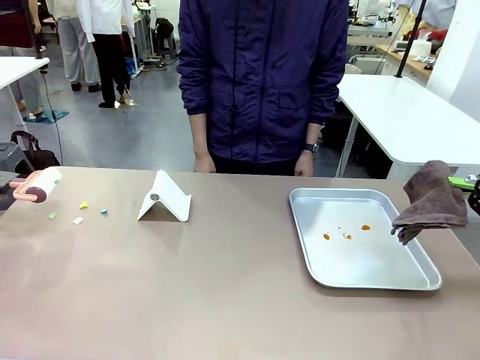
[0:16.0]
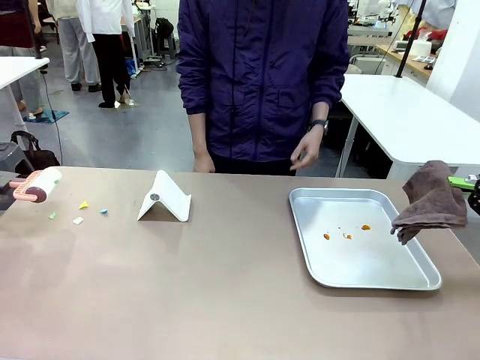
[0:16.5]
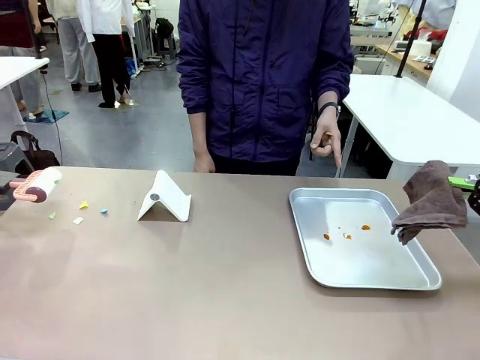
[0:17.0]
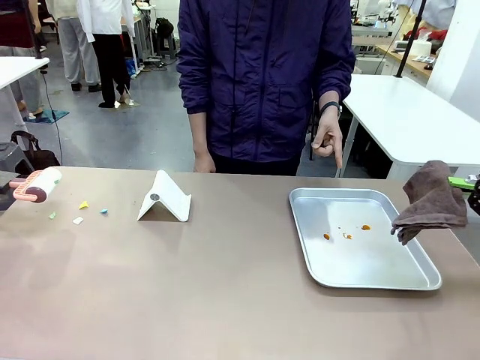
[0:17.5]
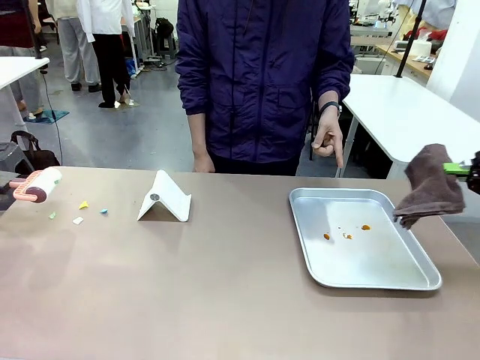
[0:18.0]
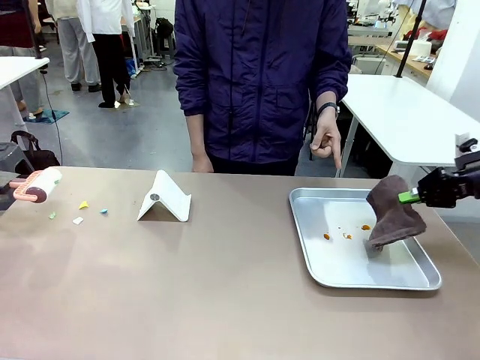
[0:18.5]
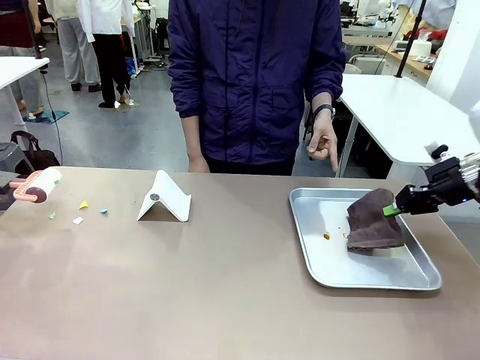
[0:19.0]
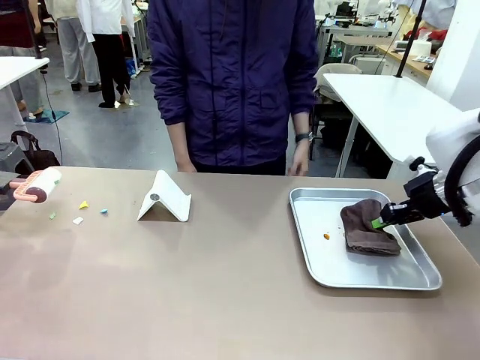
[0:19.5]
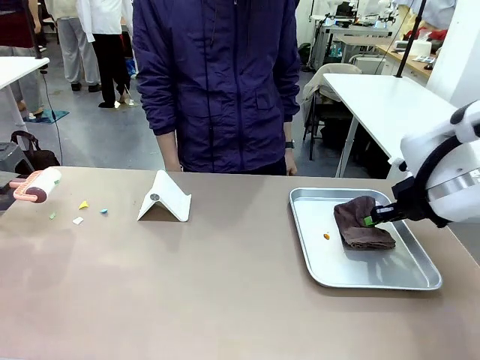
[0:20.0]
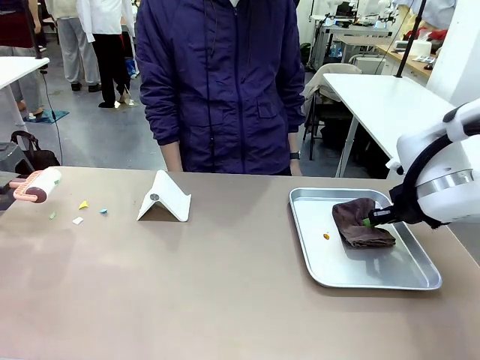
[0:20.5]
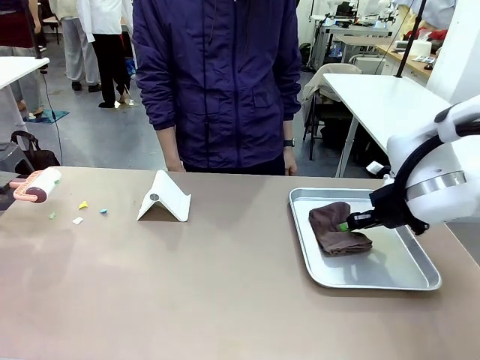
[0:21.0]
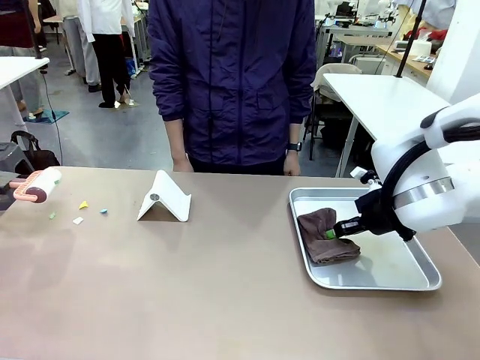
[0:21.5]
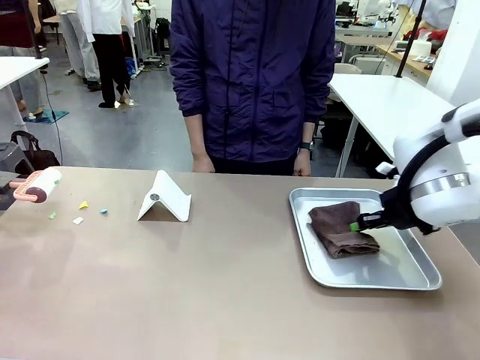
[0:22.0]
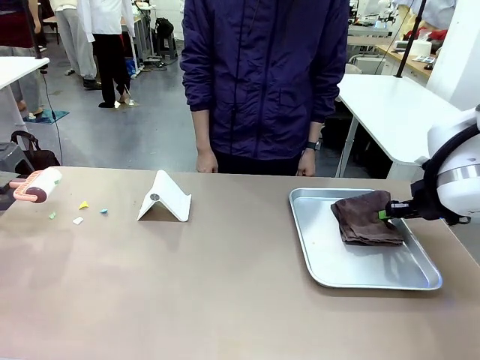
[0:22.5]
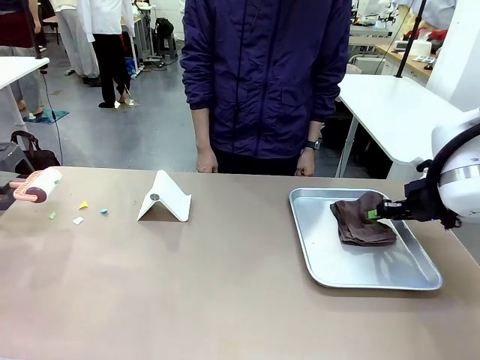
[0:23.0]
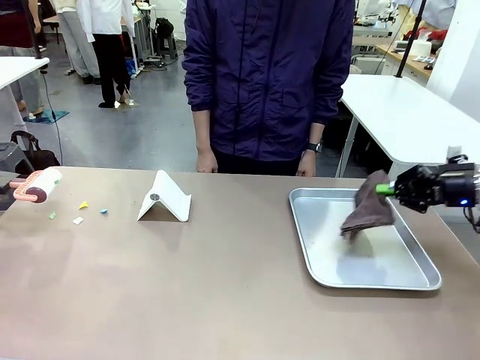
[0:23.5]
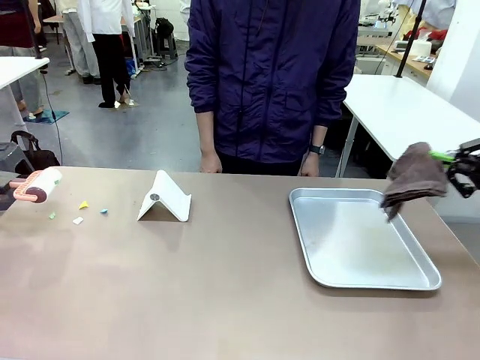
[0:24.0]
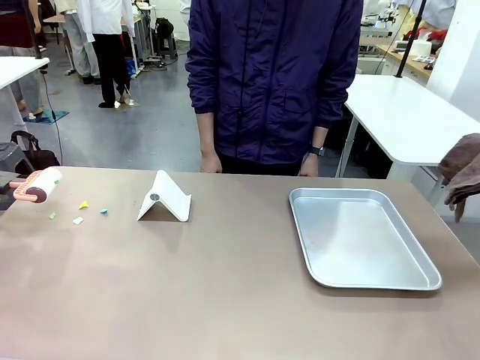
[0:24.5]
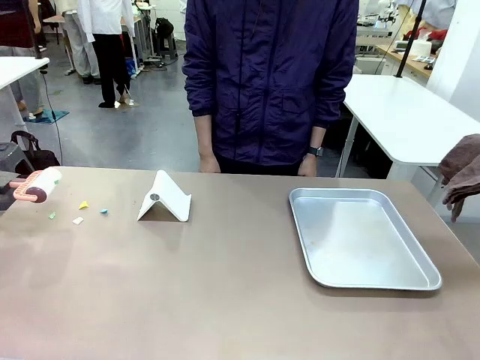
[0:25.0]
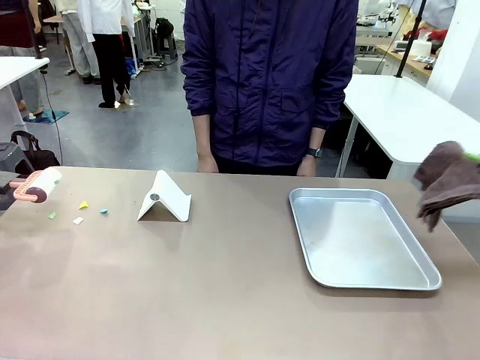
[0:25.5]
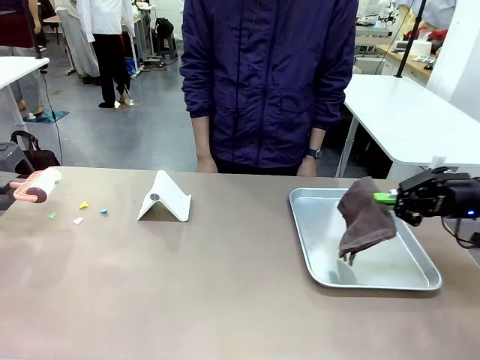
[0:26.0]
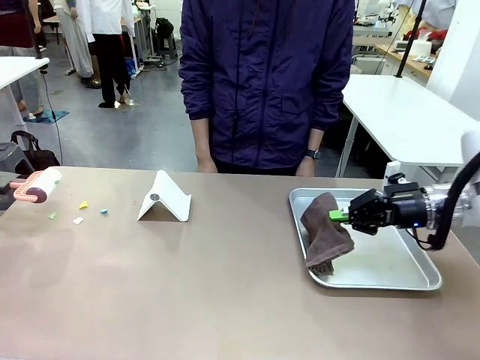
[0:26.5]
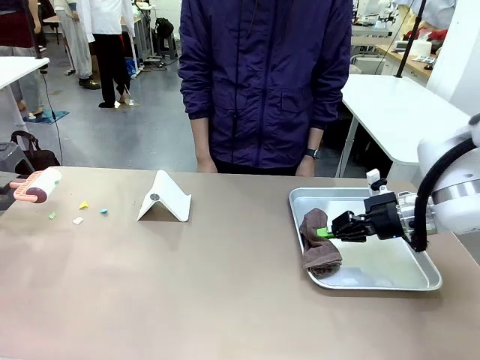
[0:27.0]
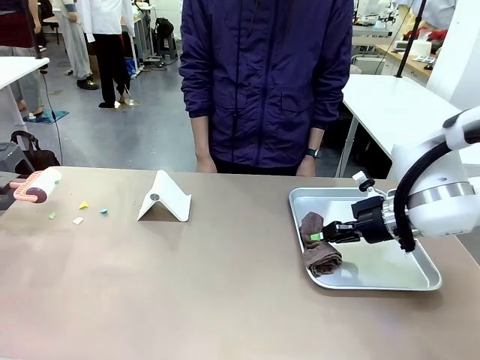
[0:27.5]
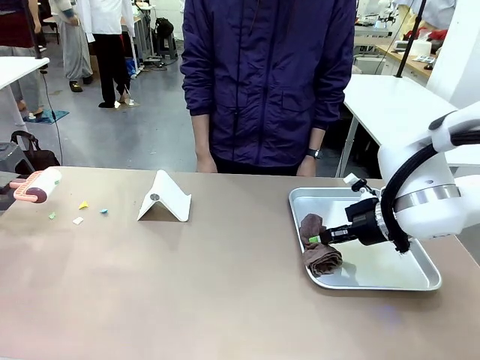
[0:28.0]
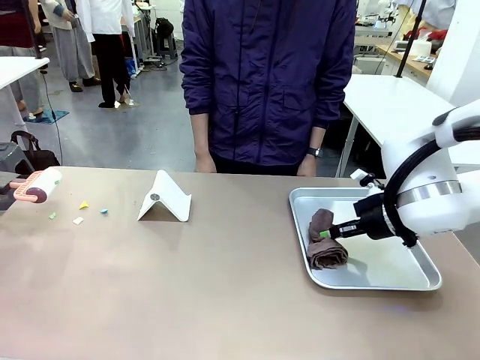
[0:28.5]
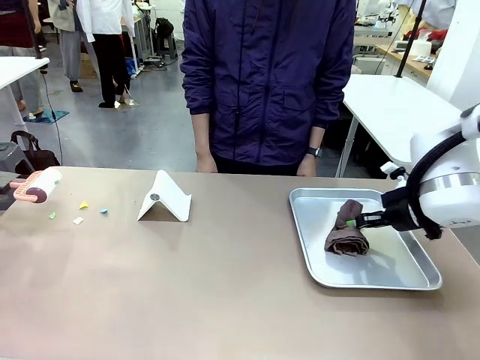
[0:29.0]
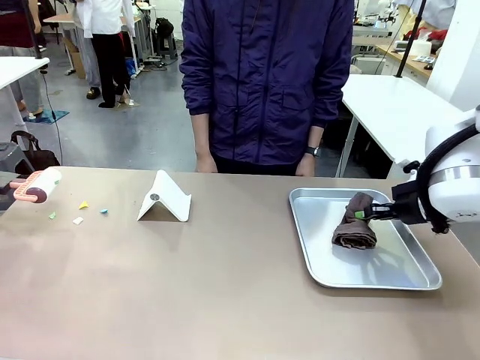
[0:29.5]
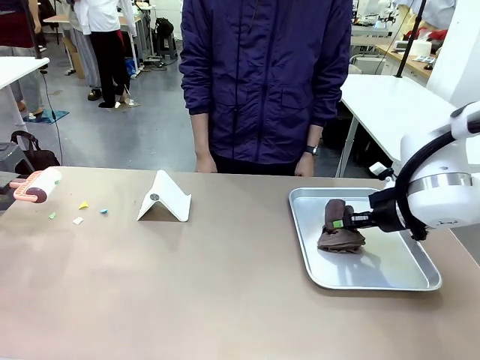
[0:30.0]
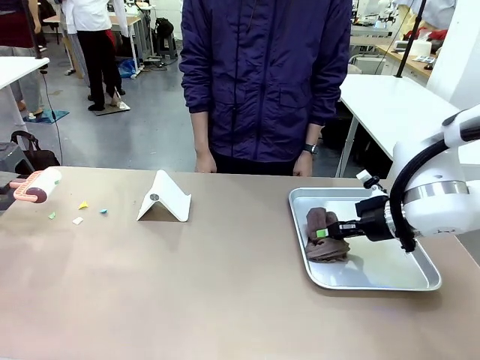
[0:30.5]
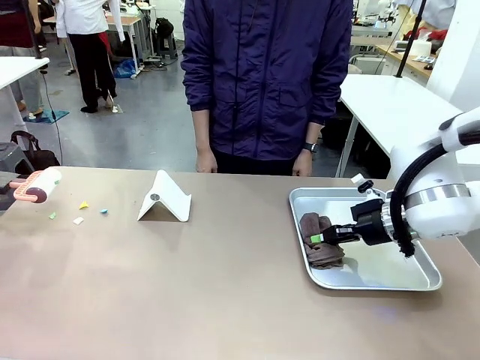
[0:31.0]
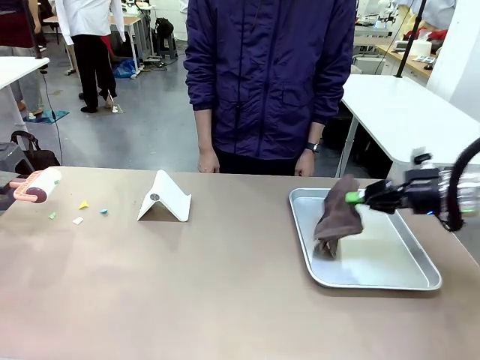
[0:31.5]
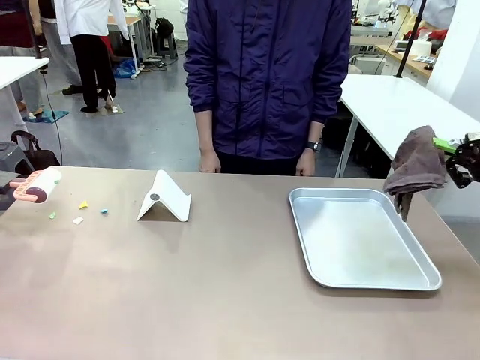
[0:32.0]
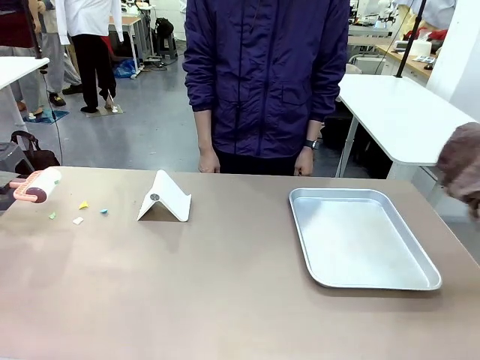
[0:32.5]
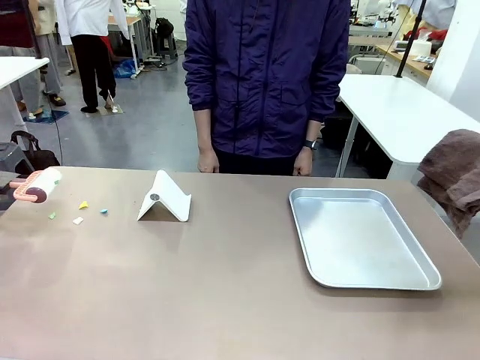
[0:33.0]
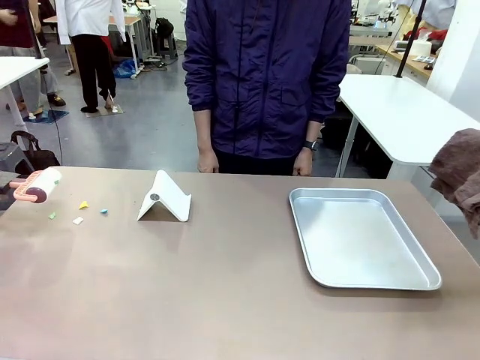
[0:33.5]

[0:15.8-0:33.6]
Task: Clean the surface of the table.
Robot: If a person points to the right, clean the right side of the table with your right hand, and if they point to the left, clean the left side with your left hand.

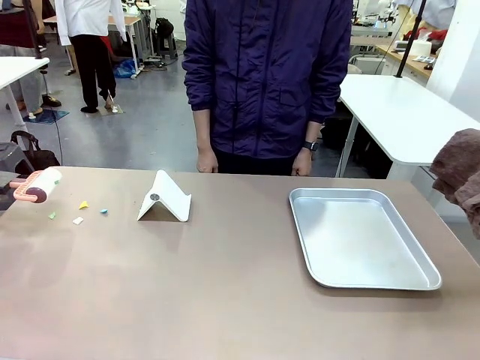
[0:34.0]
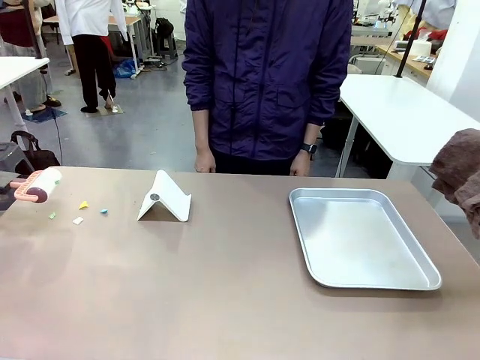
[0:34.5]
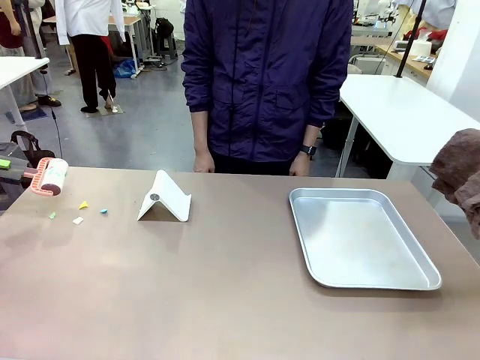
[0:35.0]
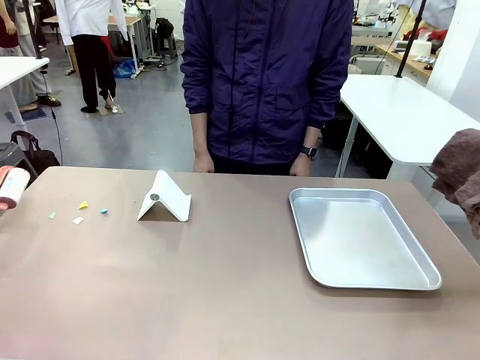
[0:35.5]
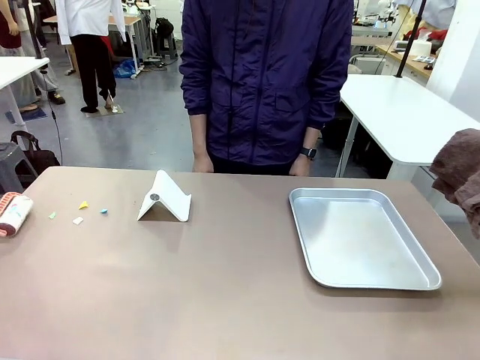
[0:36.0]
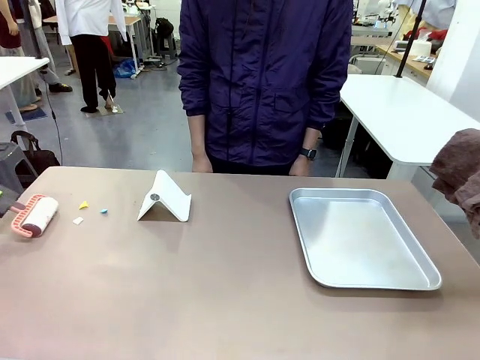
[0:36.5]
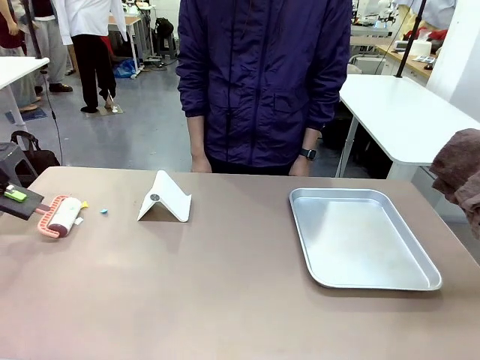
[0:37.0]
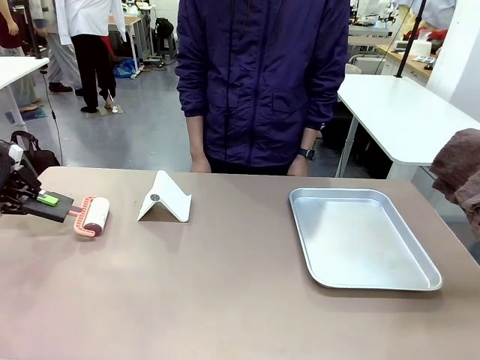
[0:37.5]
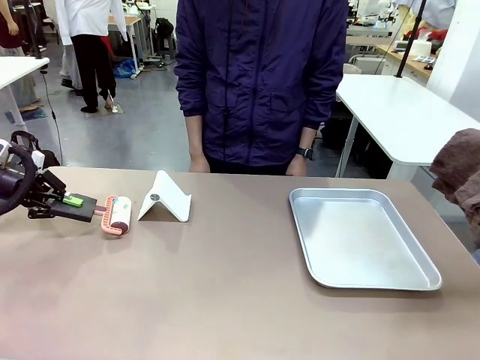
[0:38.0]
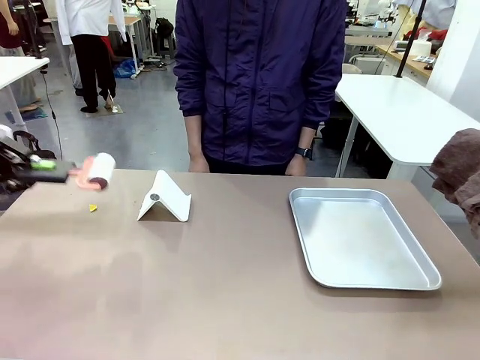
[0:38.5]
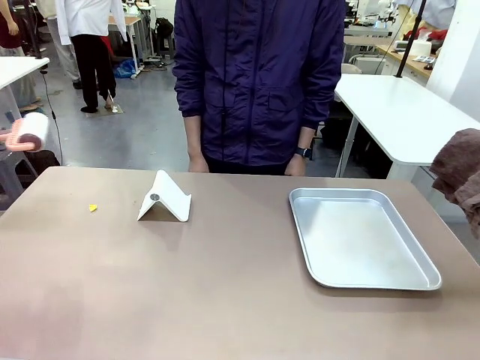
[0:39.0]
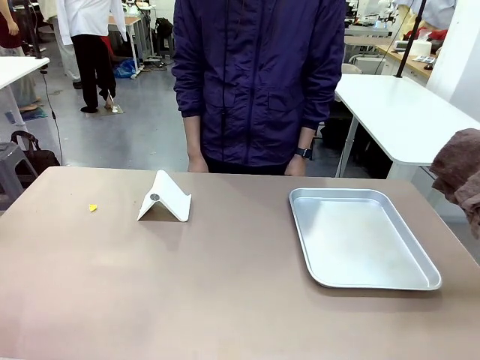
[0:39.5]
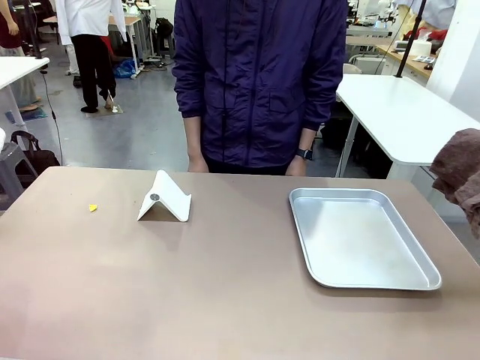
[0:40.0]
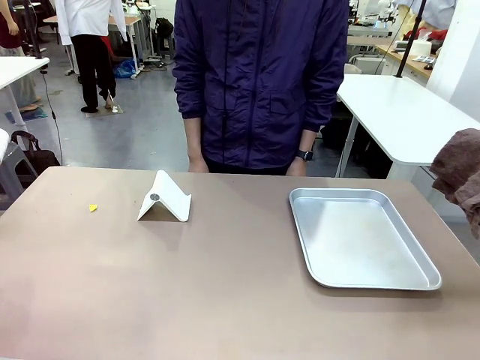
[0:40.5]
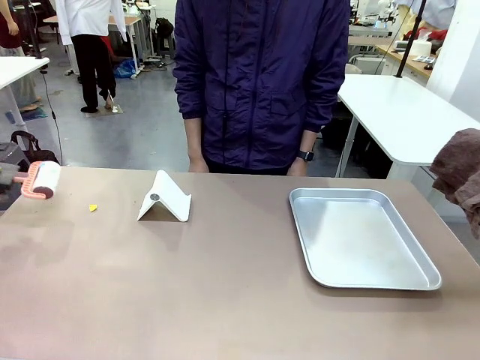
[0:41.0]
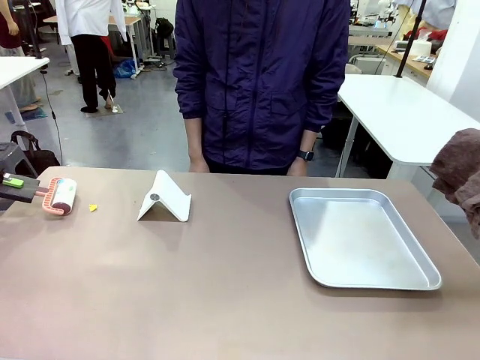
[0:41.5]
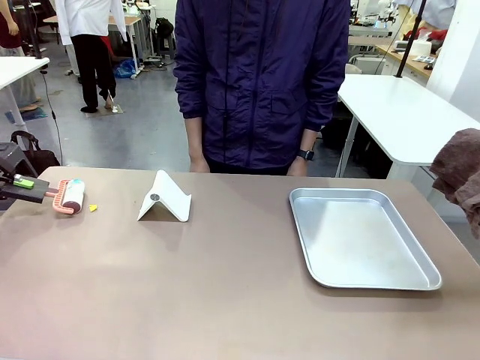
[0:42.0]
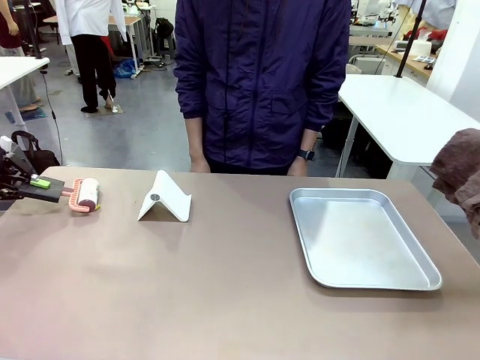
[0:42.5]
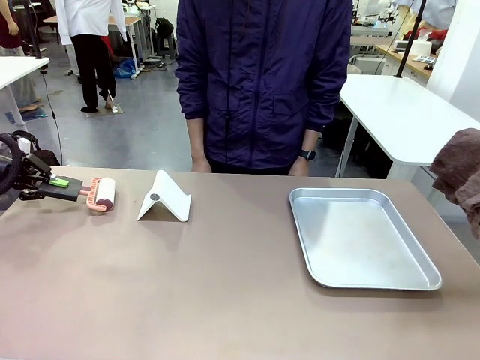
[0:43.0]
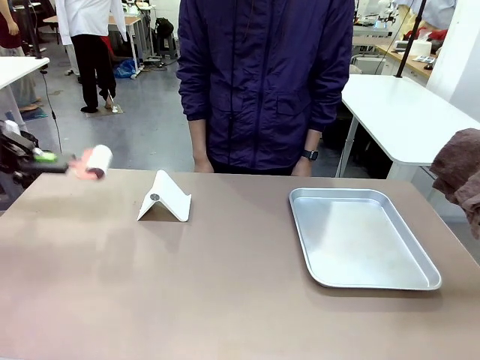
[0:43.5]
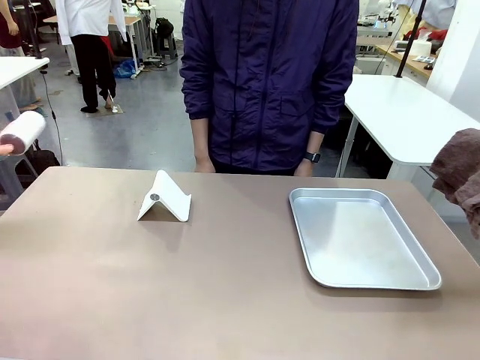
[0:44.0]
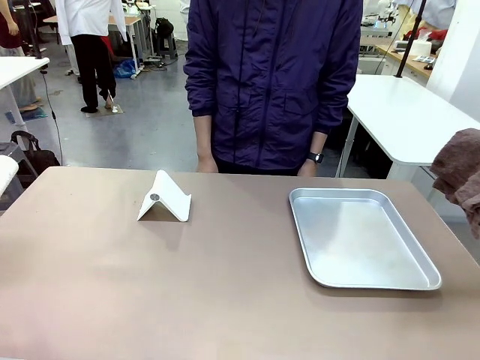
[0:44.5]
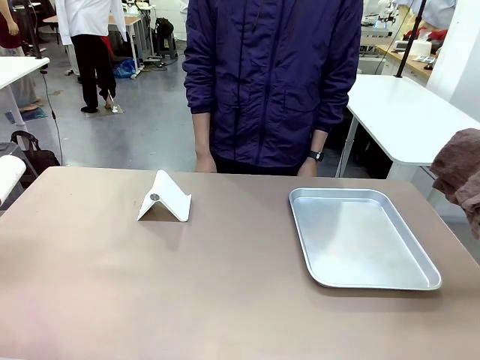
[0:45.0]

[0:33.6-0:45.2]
Robot: Clean the area not pointed to by the person.
